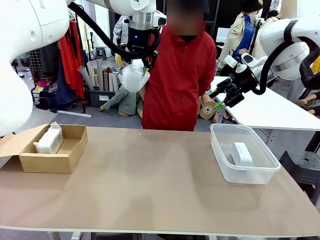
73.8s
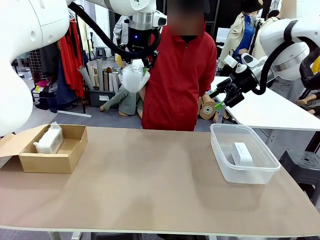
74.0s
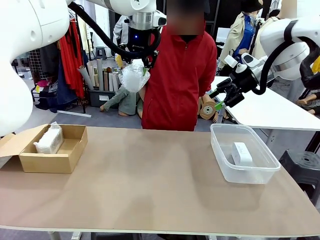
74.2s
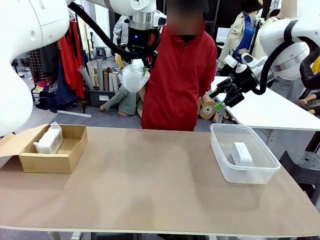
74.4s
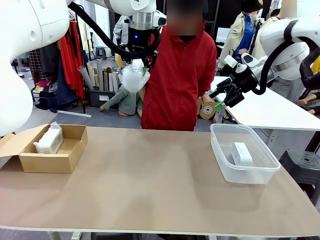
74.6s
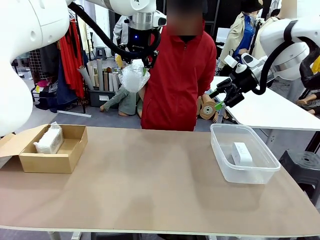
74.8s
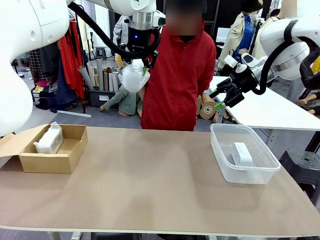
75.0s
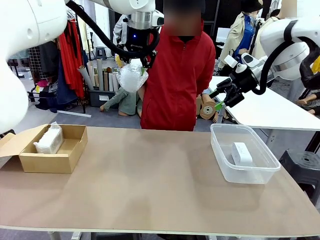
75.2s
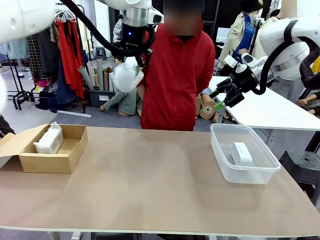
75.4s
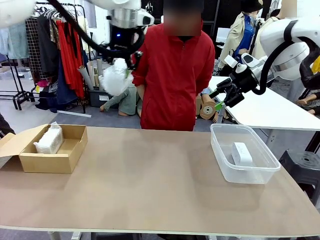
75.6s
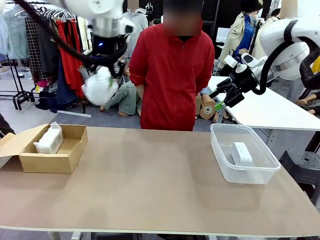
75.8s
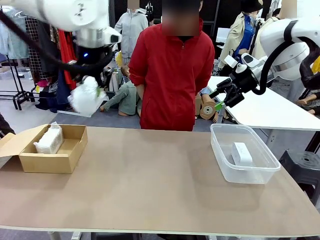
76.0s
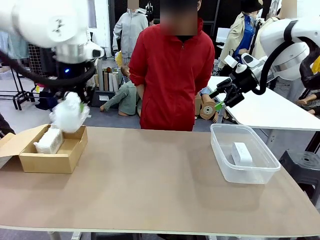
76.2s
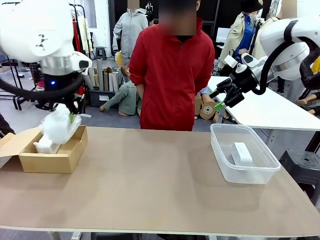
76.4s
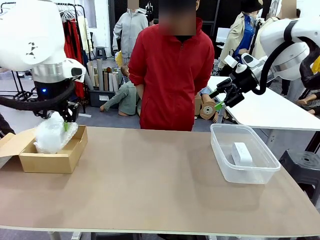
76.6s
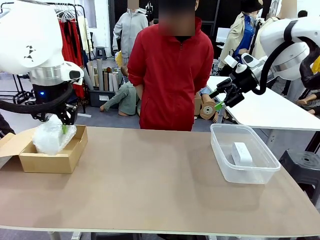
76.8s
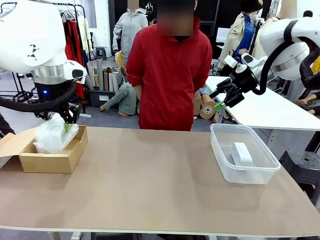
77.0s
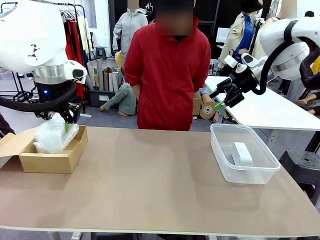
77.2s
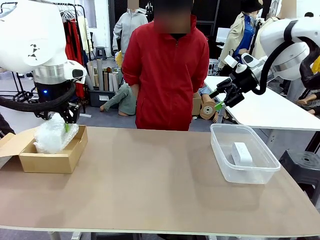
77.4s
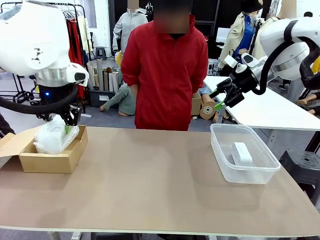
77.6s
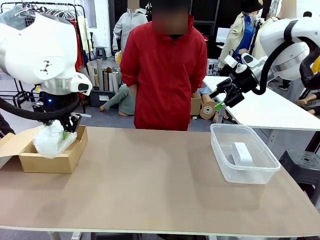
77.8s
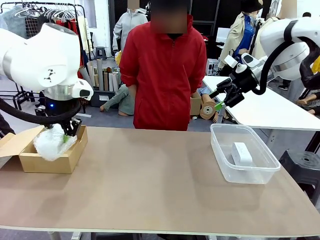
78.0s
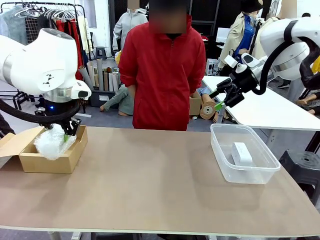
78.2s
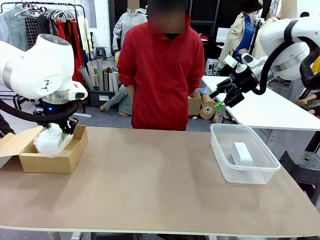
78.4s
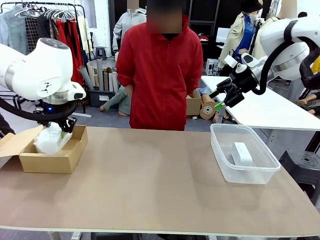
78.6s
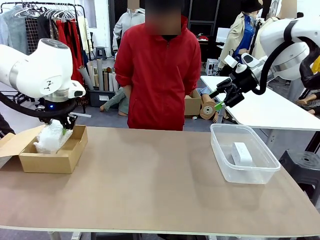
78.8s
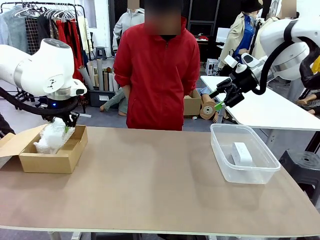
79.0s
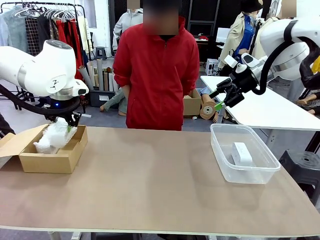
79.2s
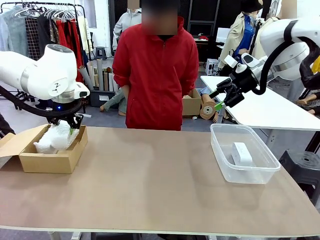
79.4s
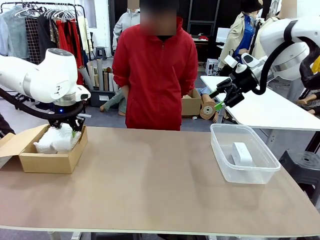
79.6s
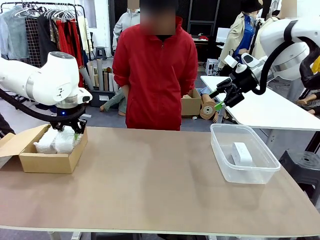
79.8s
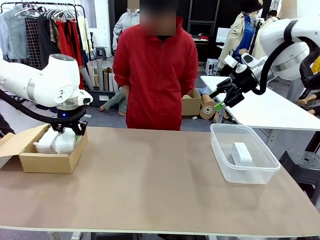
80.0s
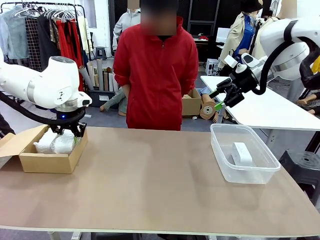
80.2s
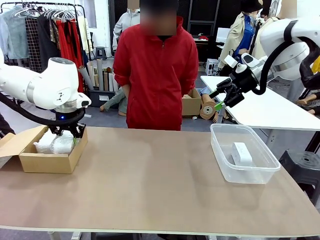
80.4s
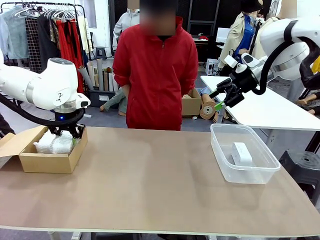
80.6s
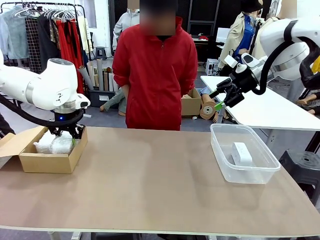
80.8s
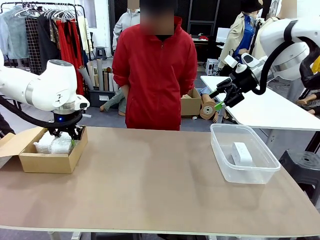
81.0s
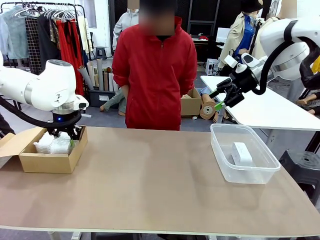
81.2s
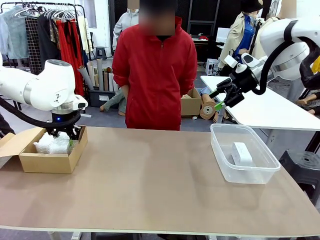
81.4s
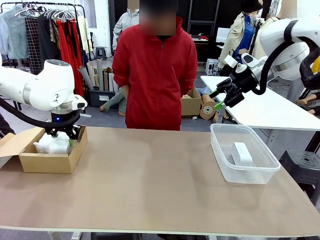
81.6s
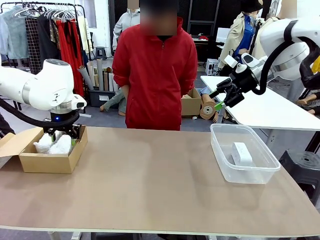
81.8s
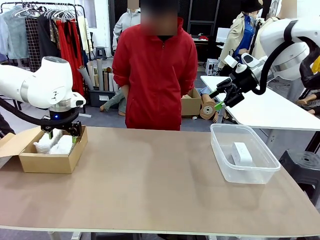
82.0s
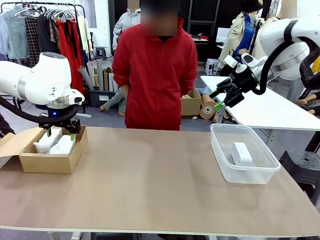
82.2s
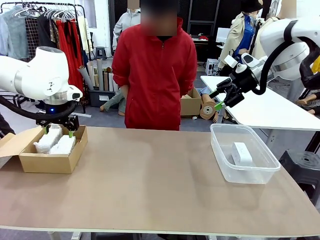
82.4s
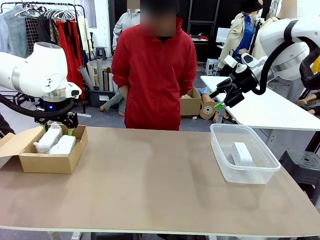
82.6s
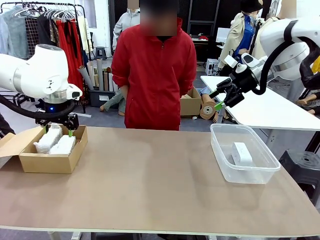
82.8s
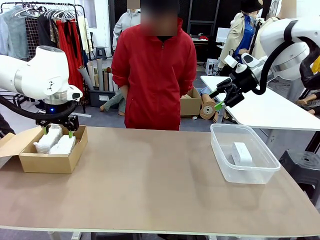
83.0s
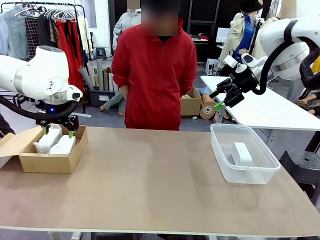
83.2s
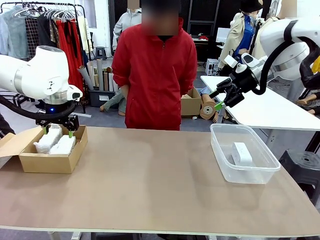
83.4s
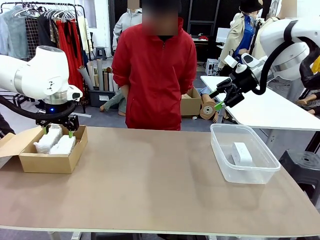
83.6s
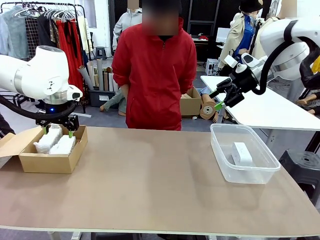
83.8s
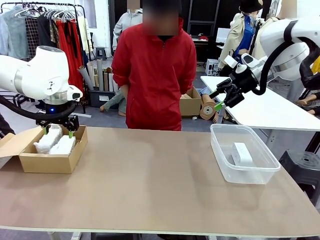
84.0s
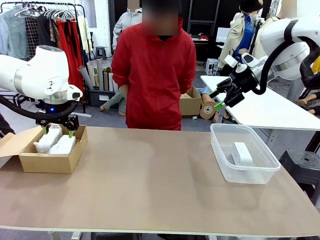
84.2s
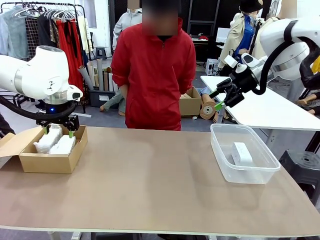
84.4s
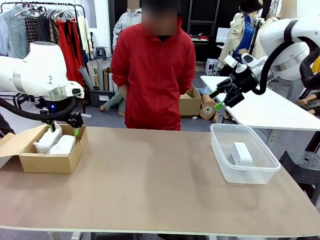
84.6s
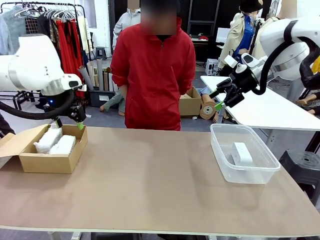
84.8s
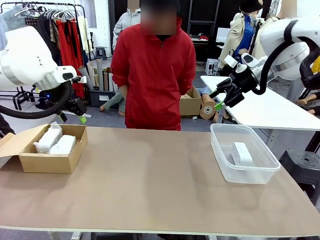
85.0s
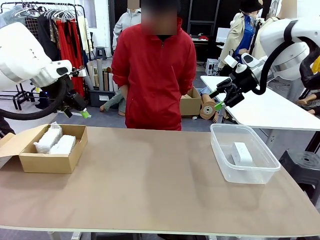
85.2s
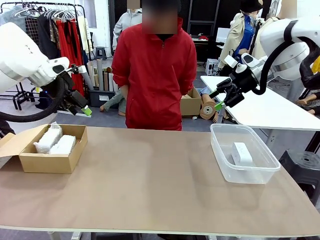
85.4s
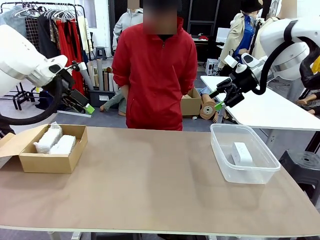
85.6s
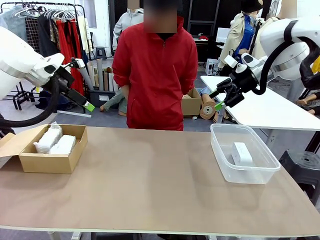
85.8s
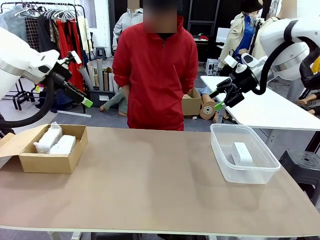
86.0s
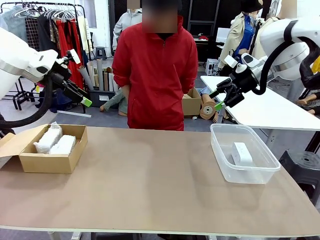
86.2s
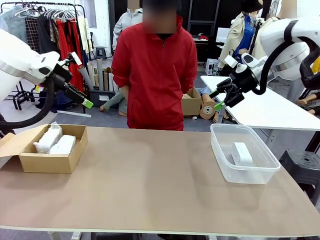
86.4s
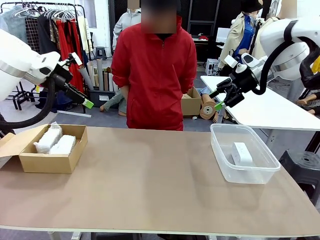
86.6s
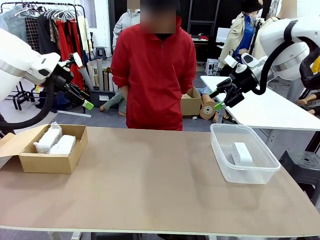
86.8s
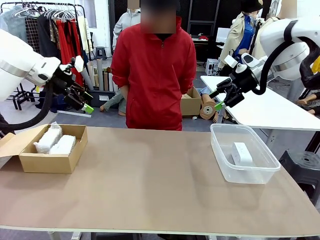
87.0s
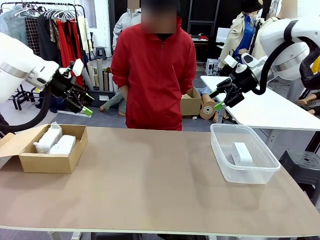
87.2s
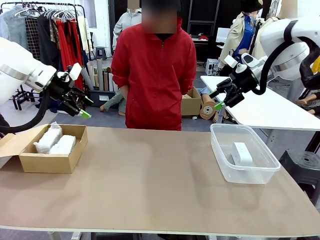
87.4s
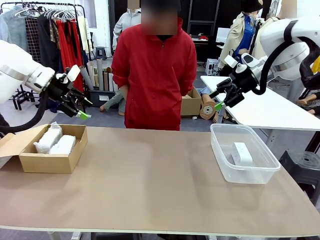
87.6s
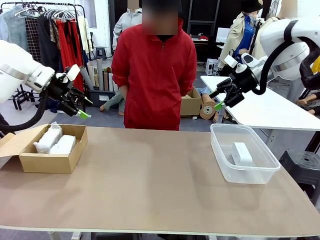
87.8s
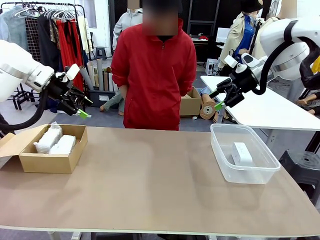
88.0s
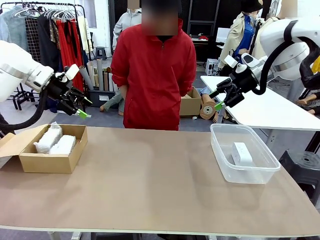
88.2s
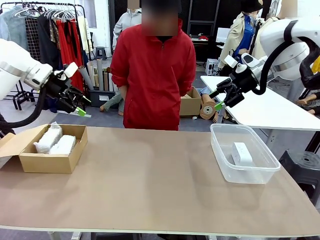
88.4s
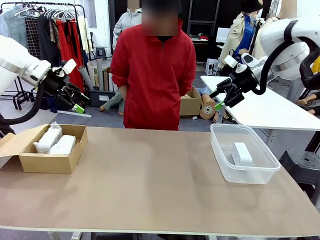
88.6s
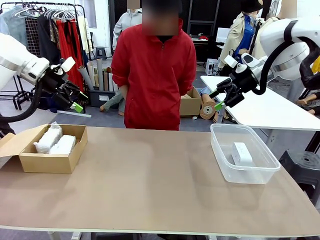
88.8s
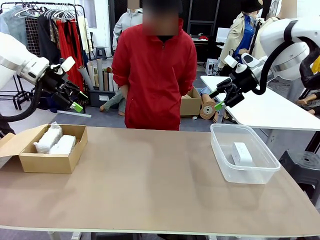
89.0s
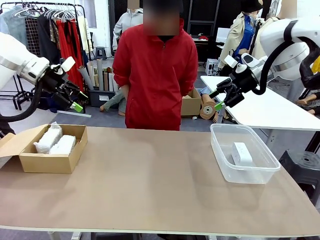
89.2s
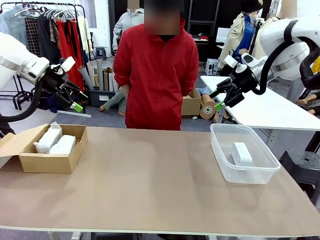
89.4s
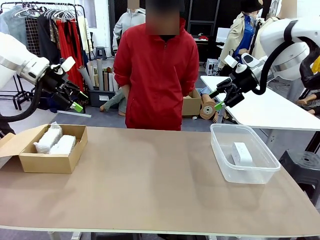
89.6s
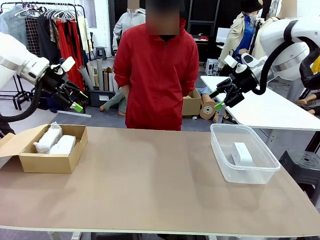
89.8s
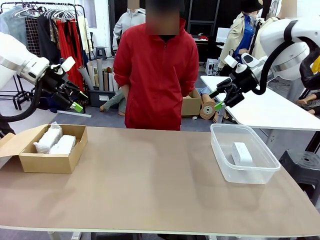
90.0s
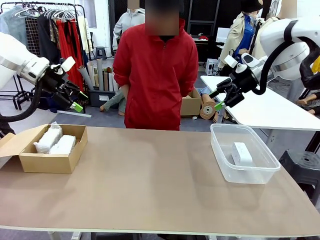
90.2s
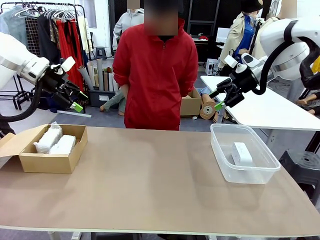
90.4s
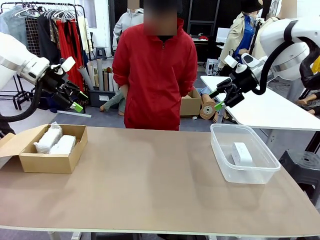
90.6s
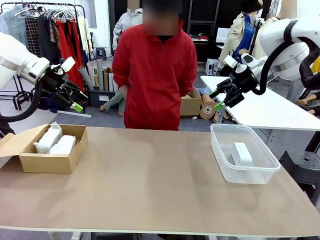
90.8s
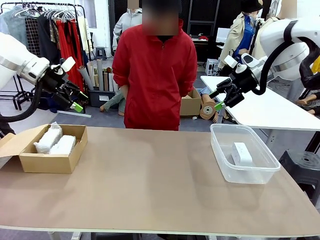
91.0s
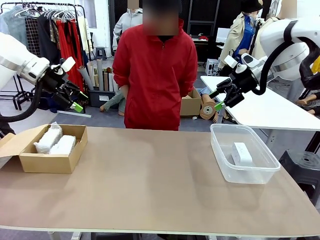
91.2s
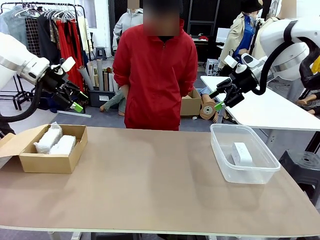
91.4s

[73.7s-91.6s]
Task: Separate and place wrapped and unwrapped clocks.
Robot: If the picked Digital clock is wrapped, place it in the Package Box ; if not, place it in the Organizing box.

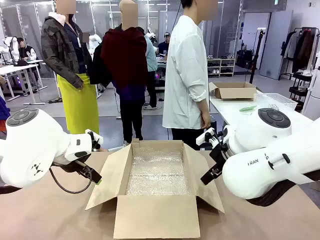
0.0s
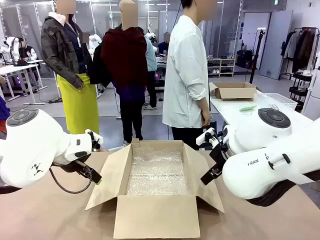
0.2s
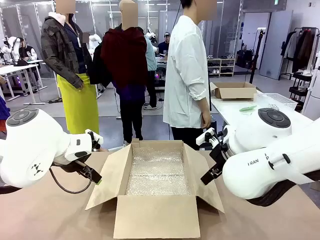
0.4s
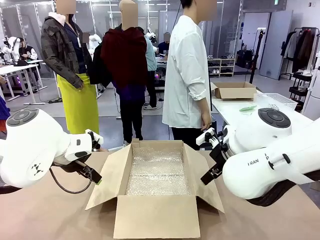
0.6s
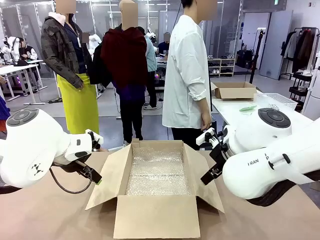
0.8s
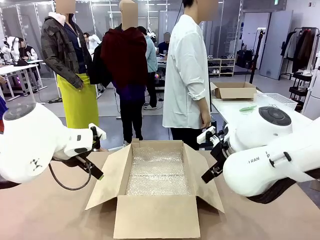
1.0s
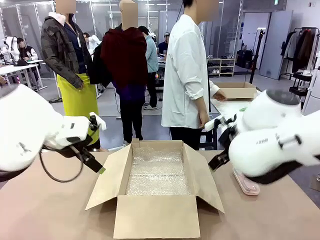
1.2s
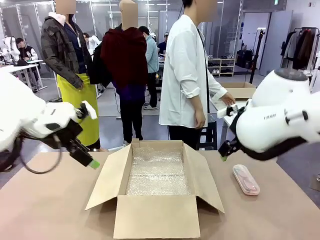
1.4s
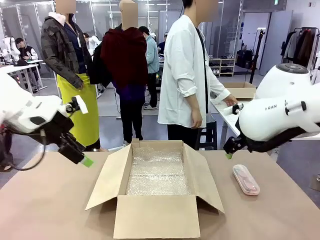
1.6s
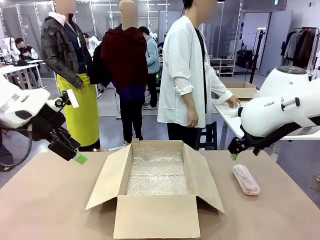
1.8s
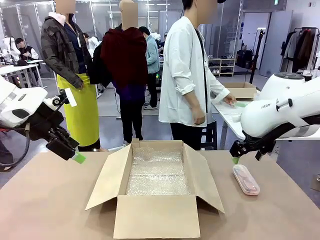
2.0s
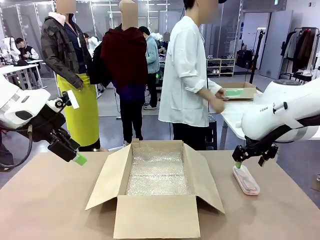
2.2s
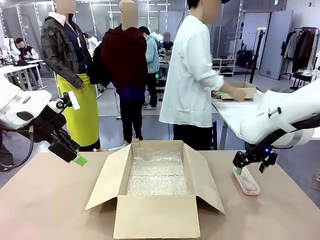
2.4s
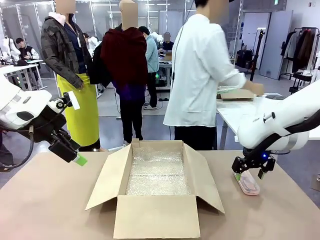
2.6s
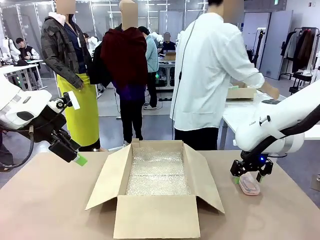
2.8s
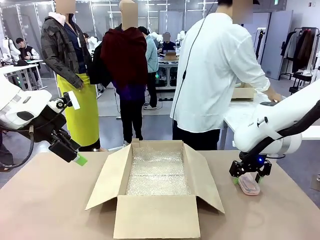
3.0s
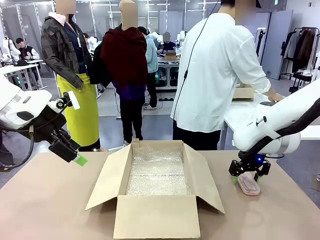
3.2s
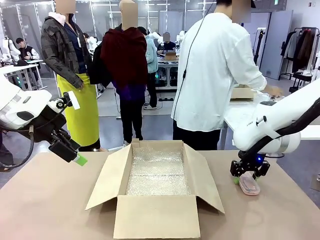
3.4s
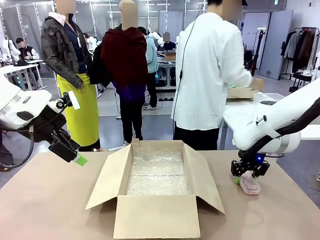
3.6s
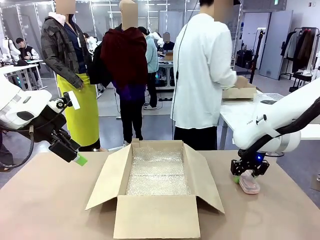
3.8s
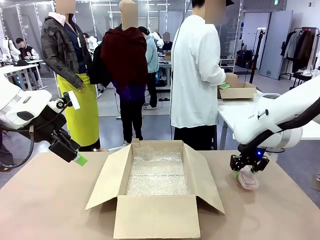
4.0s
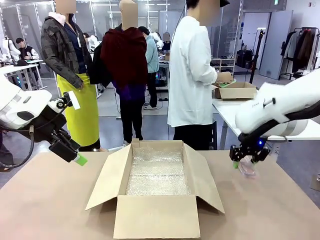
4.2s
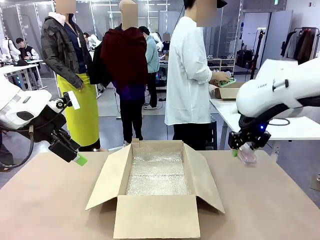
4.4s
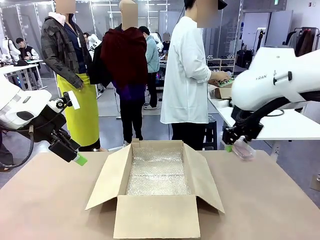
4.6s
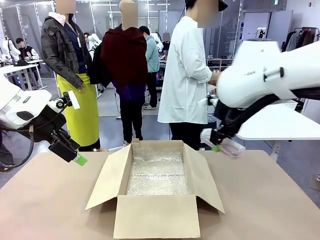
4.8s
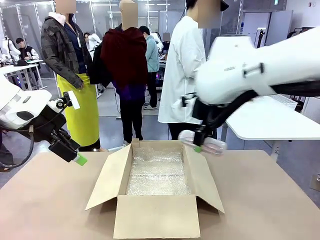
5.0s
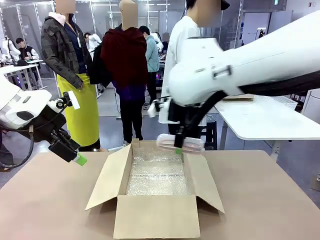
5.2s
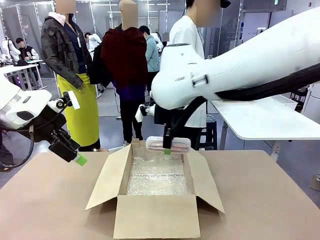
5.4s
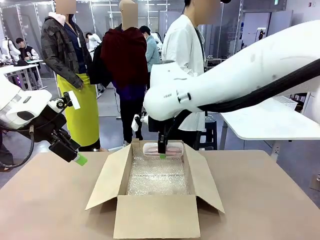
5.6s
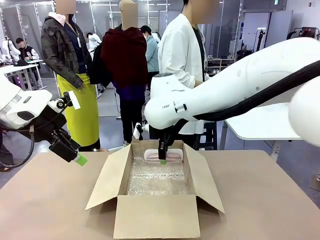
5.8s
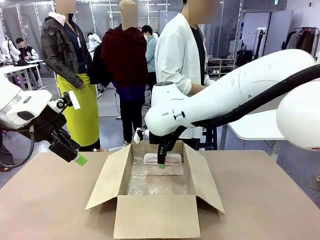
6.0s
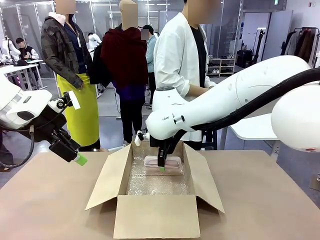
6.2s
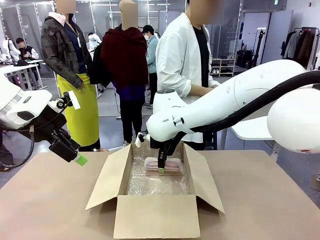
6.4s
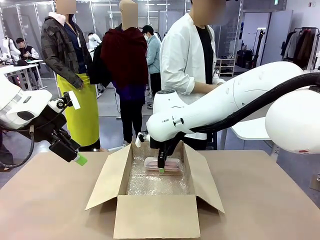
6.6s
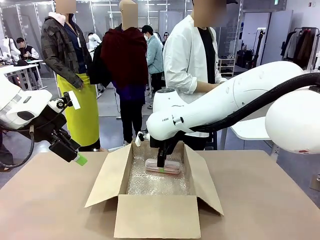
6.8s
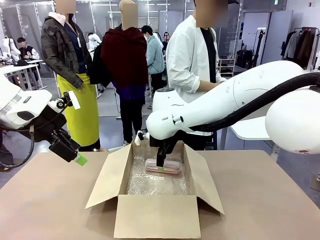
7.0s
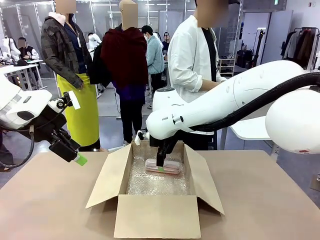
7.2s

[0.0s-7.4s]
Task: Pack the glasses set securely to prepare it for shipping.
Robot: Place the Glasses case inside the Package Box.
Person: Place the Glasses inside the Glasses case.
